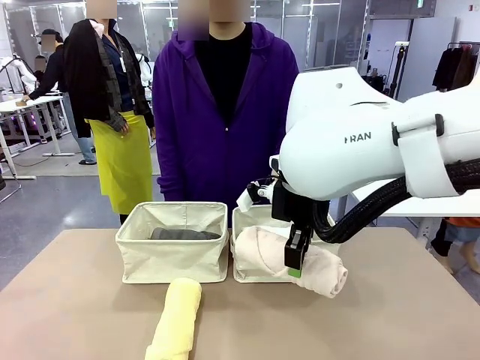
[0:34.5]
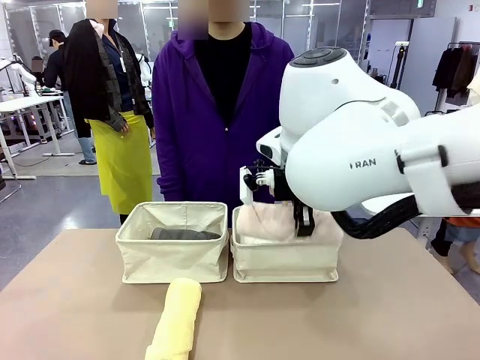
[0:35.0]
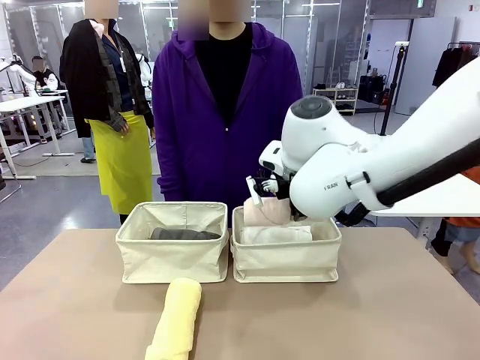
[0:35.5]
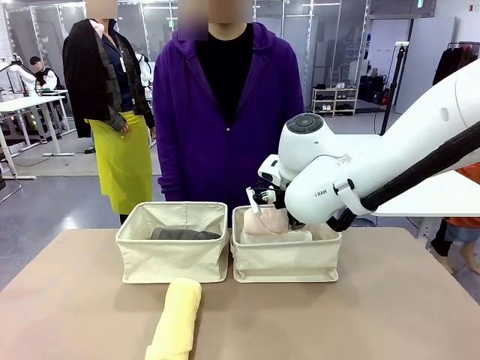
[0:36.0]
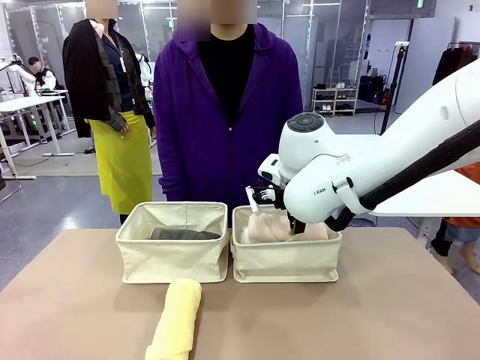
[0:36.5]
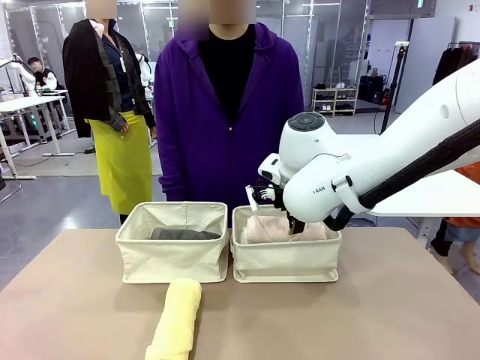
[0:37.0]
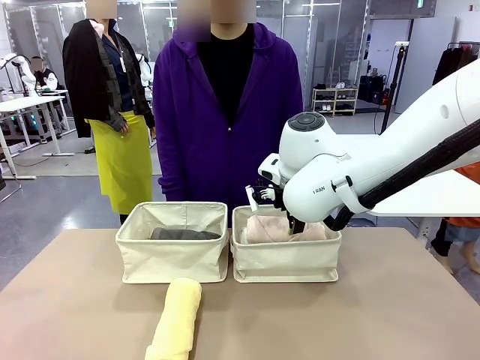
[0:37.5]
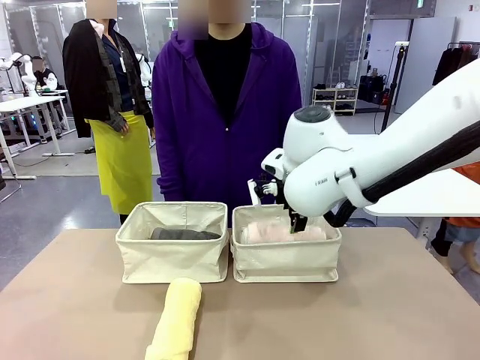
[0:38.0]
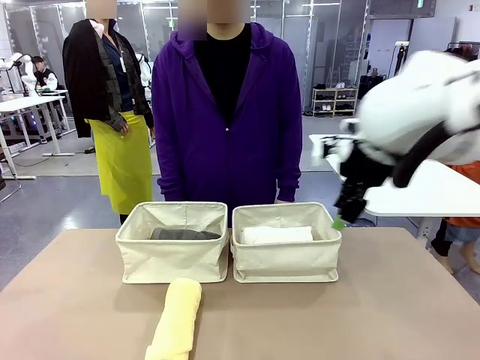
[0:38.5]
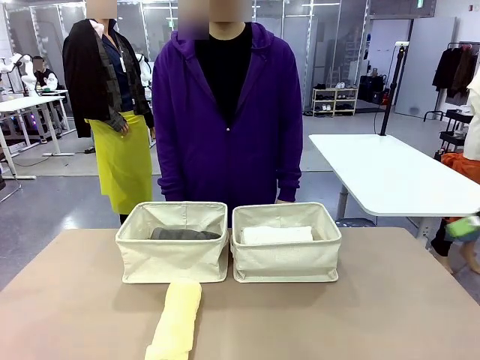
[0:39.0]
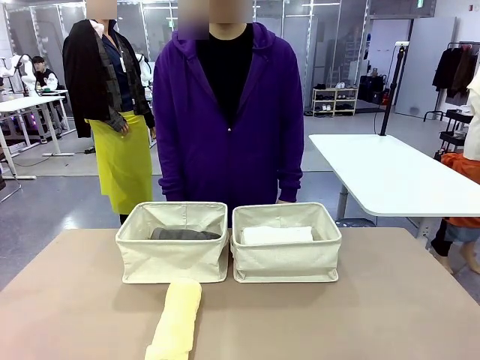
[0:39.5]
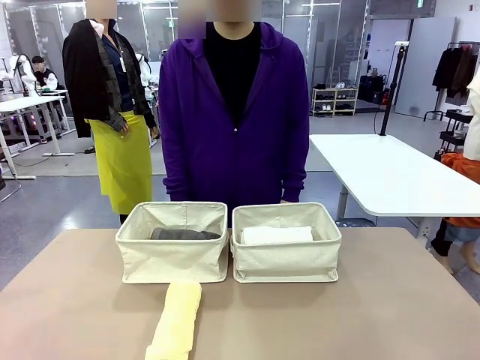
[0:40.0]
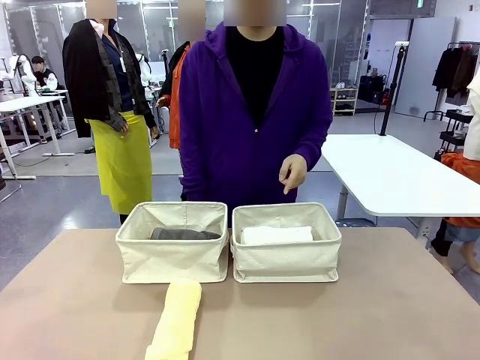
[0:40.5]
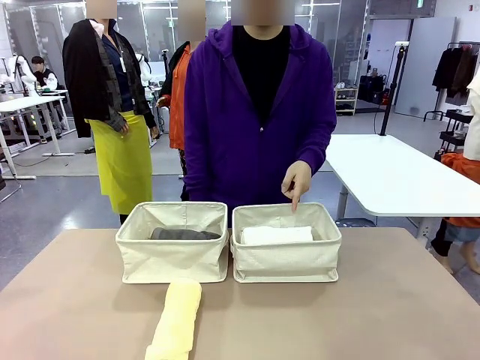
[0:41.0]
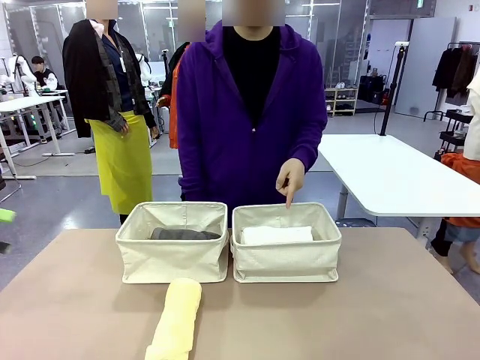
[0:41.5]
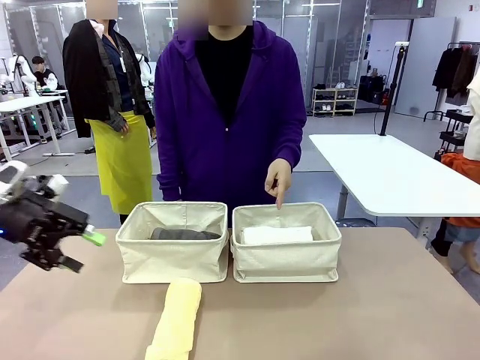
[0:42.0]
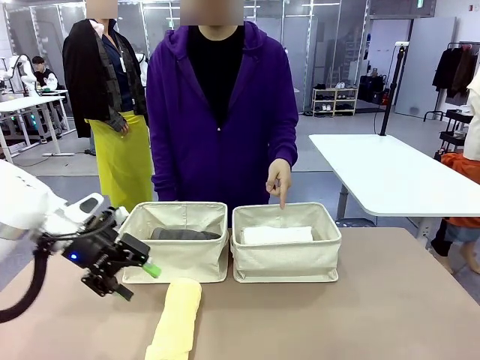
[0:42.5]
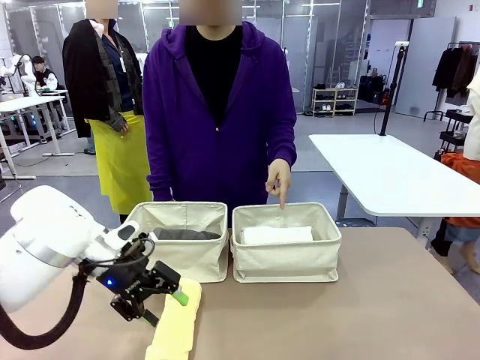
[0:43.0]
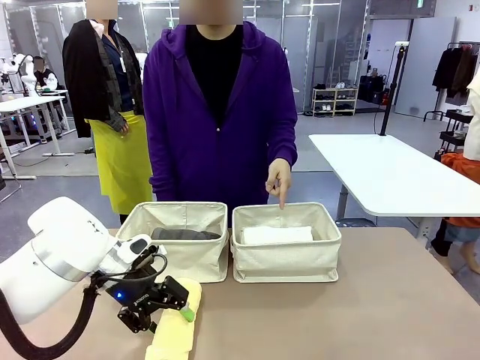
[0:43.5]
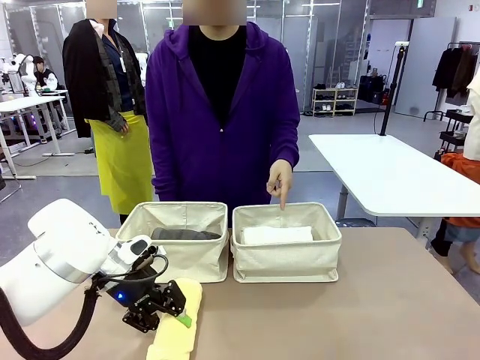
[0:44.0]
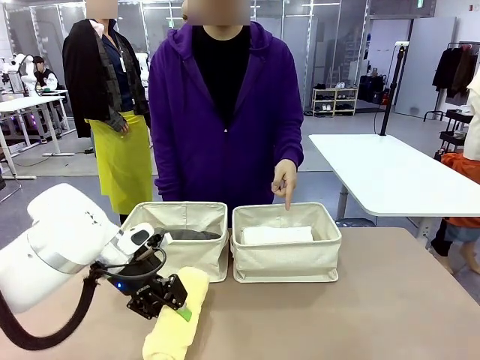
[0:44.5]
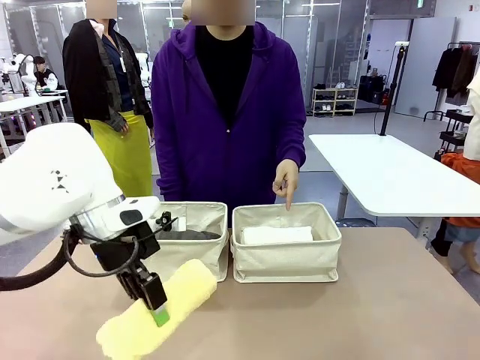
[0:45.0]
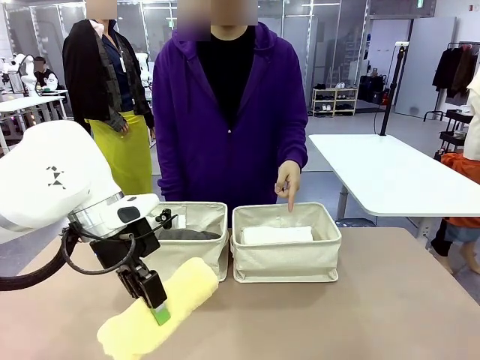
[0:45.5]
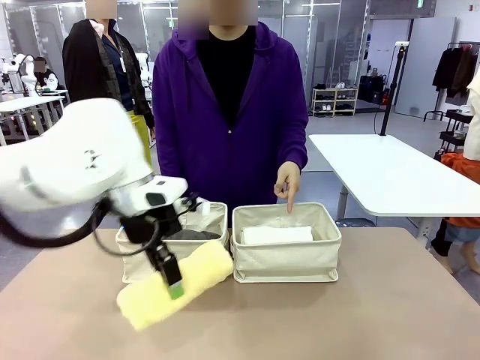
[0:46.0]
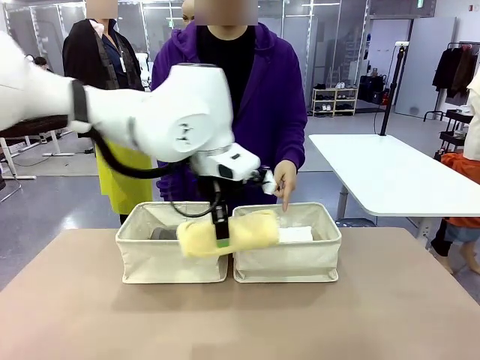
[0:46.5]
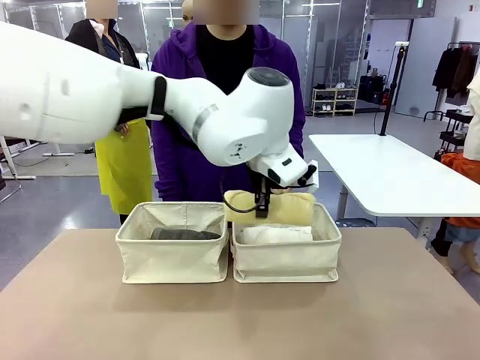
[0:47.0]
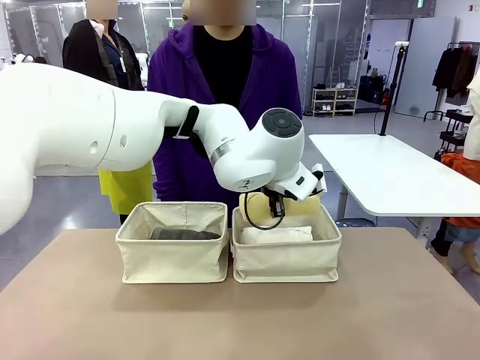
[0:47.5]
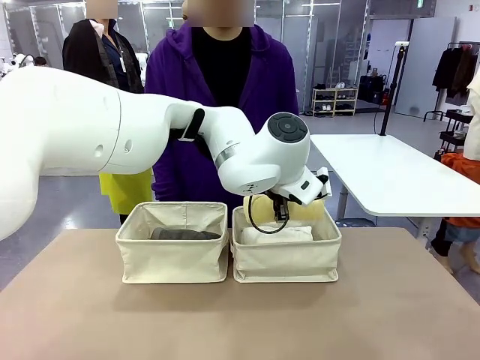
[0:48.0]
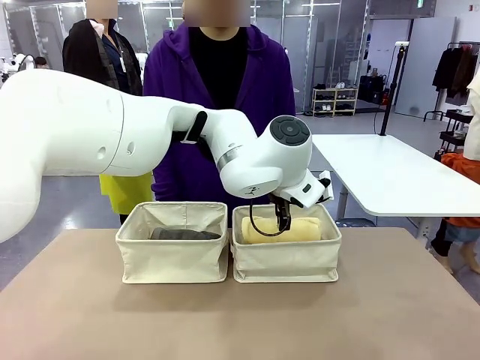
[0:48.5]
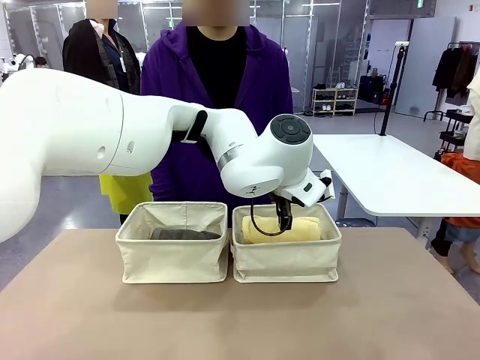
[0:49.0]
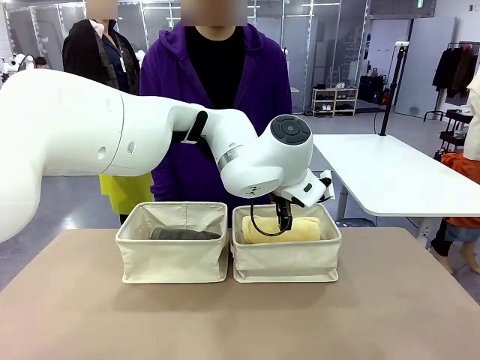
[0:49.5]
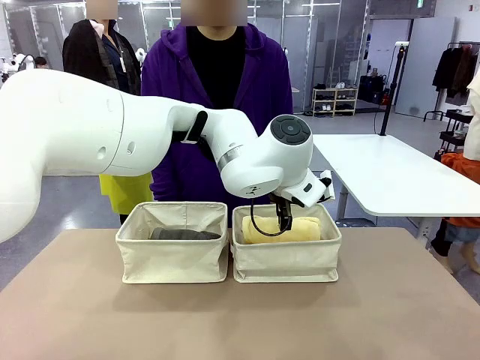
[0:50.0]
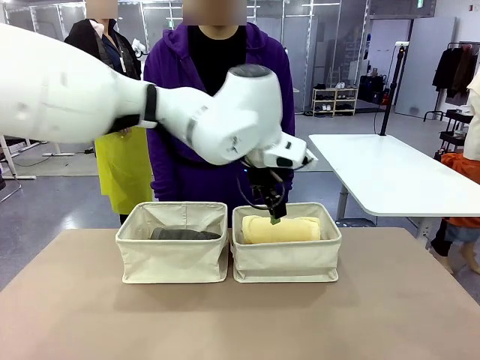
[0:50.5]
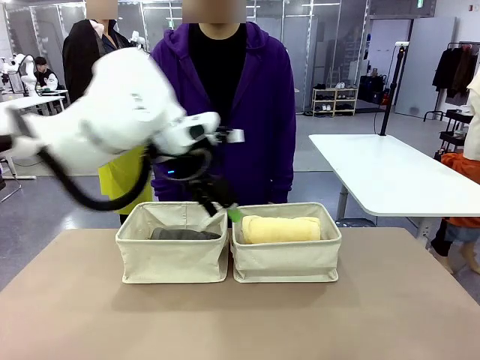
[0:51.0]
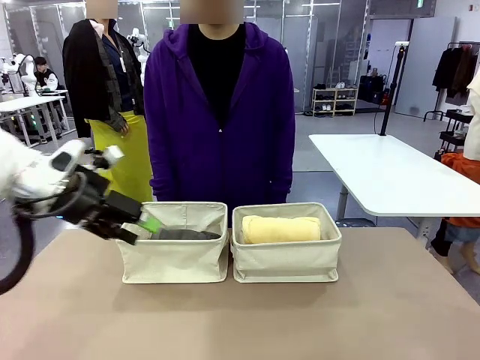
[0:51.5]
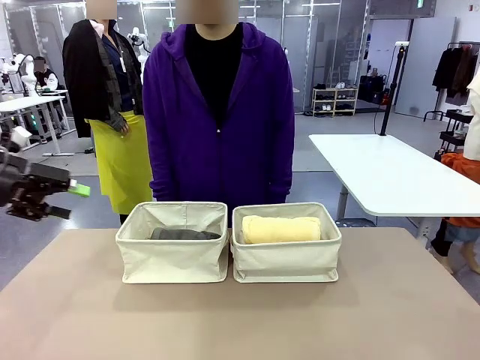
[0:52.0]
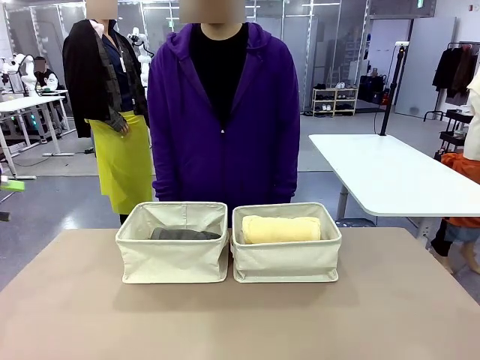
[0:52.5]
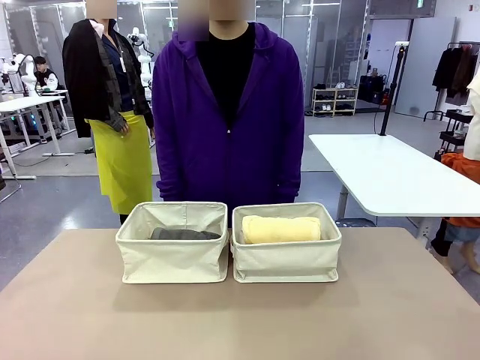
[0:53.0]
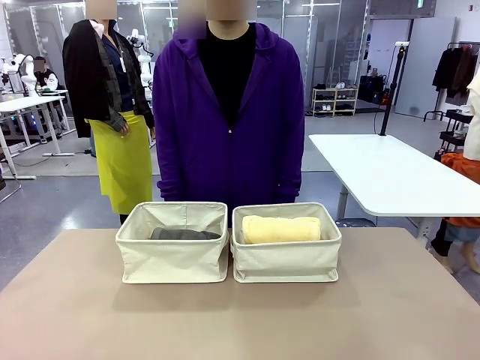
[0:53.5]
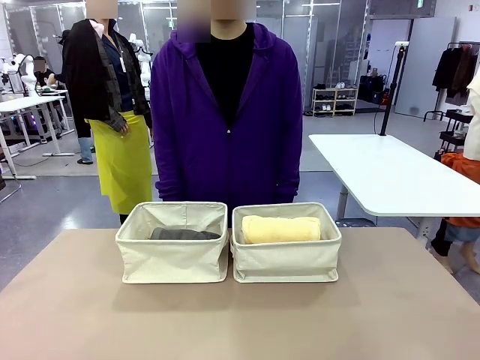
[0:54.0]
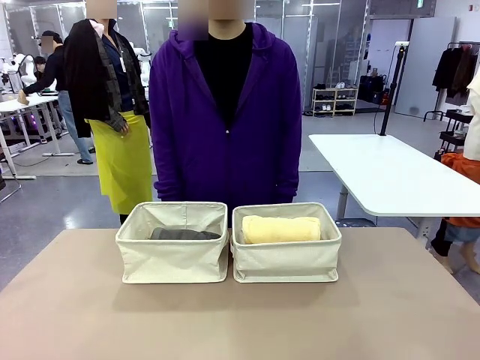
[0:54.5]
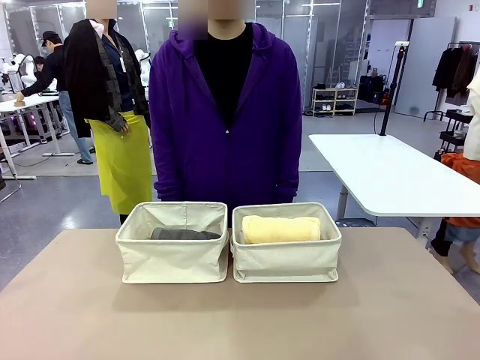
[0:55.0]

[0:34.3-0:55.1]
Task: Divide the towels into two baskets.
Robot: Pick up one hotel-folded towel from the bottom of the table and place it in the Fabric basket indicated by the person.
